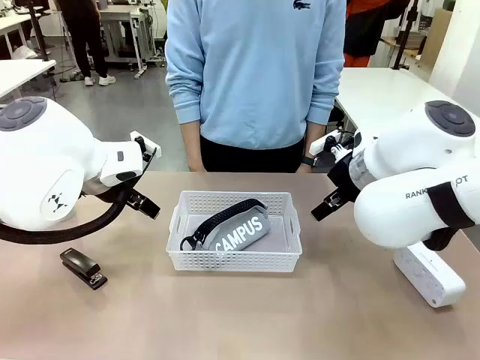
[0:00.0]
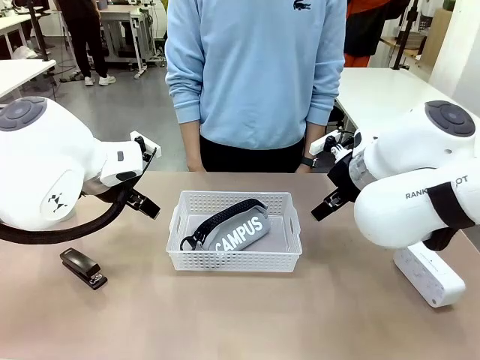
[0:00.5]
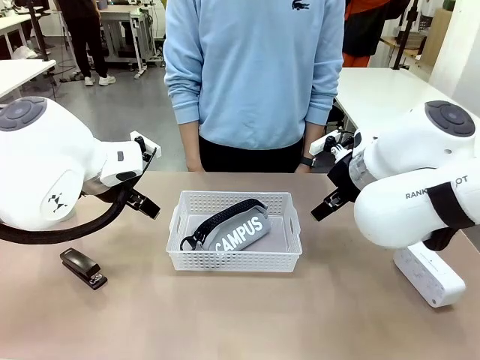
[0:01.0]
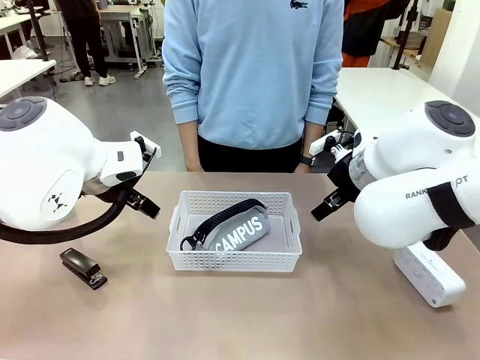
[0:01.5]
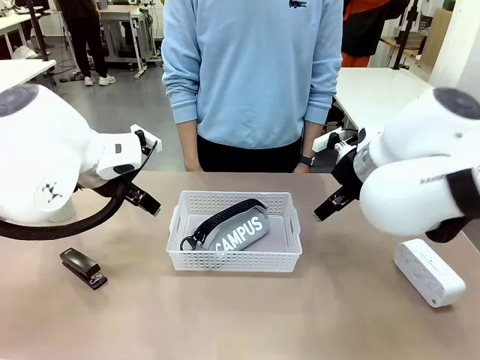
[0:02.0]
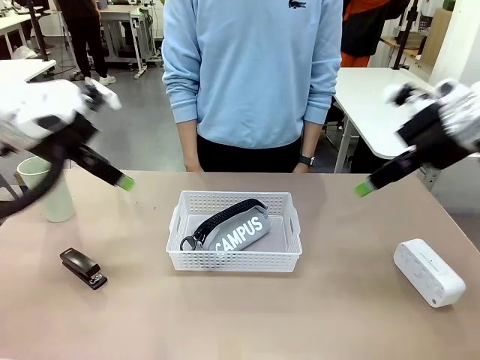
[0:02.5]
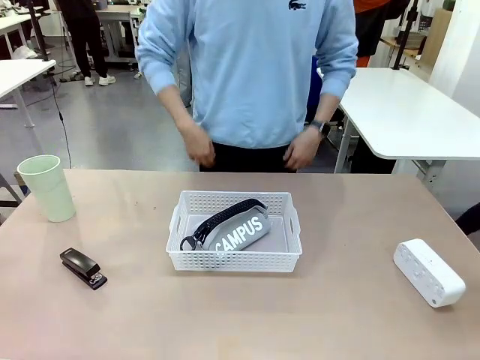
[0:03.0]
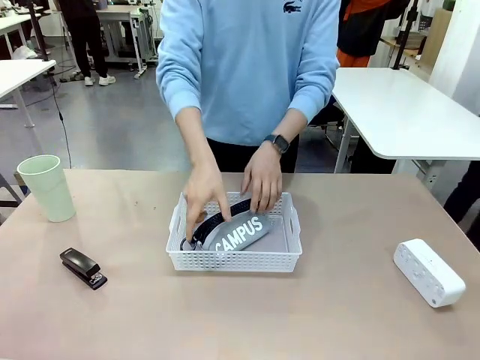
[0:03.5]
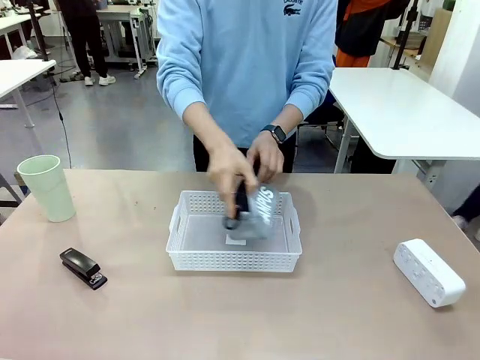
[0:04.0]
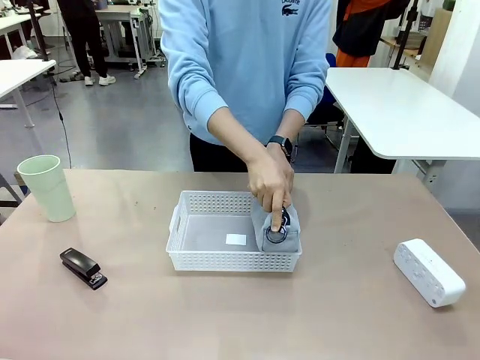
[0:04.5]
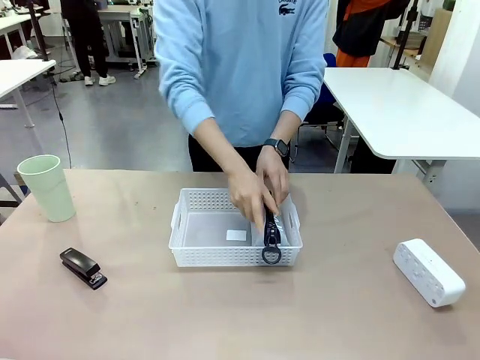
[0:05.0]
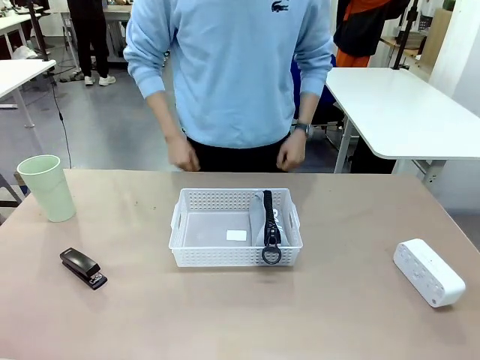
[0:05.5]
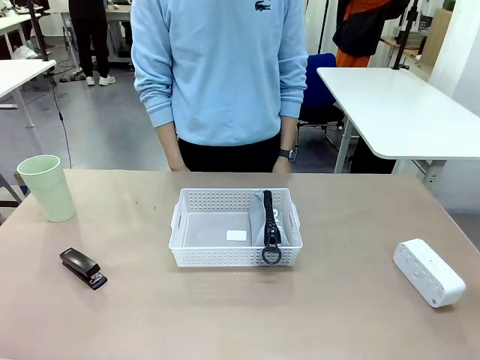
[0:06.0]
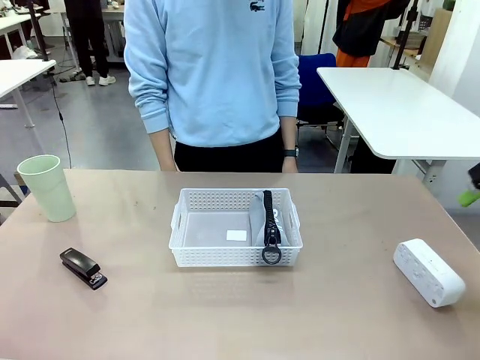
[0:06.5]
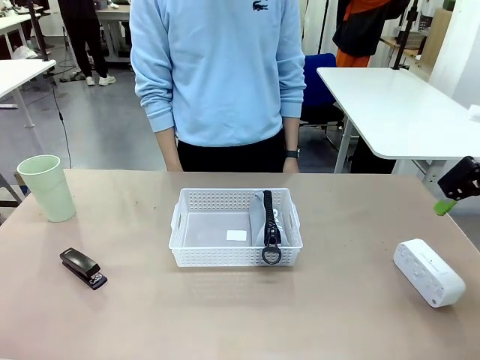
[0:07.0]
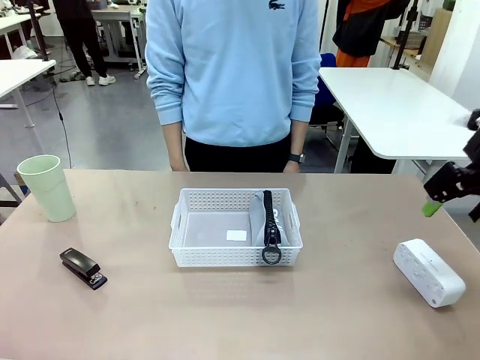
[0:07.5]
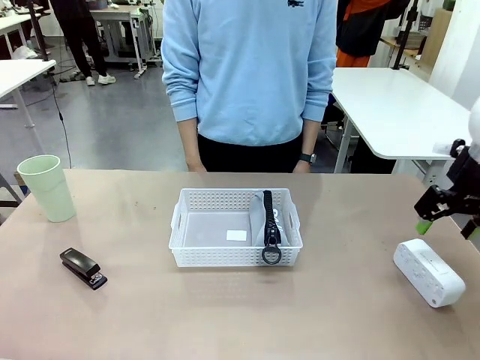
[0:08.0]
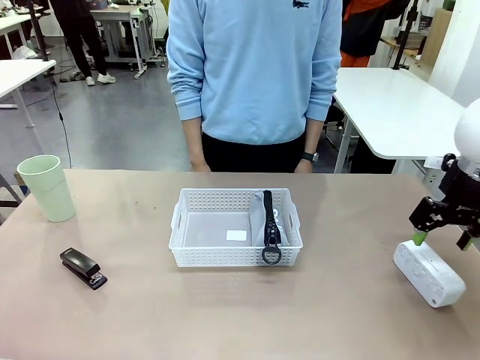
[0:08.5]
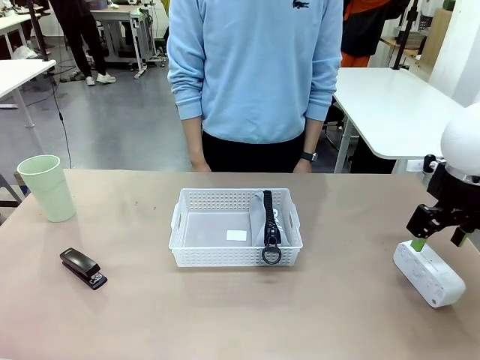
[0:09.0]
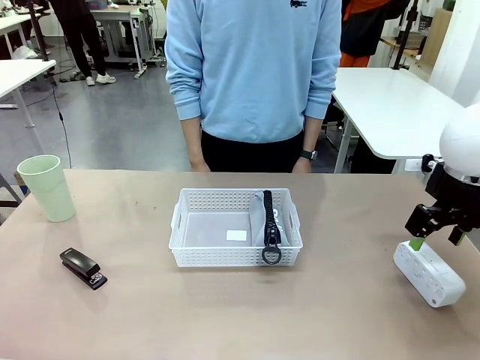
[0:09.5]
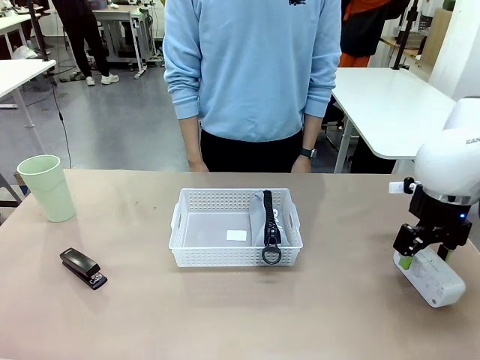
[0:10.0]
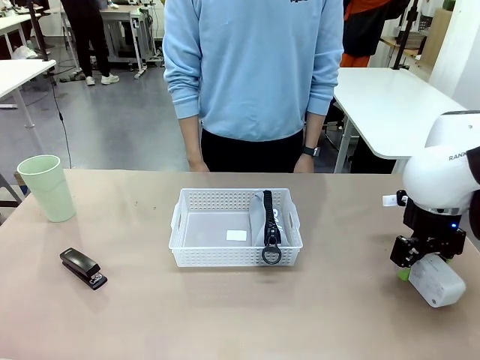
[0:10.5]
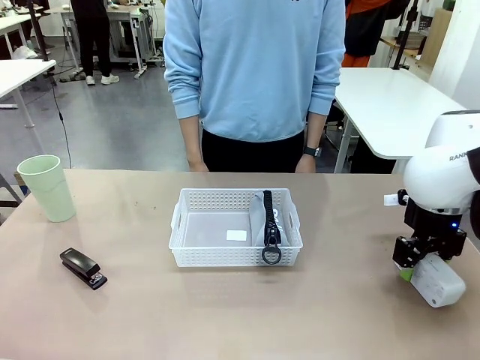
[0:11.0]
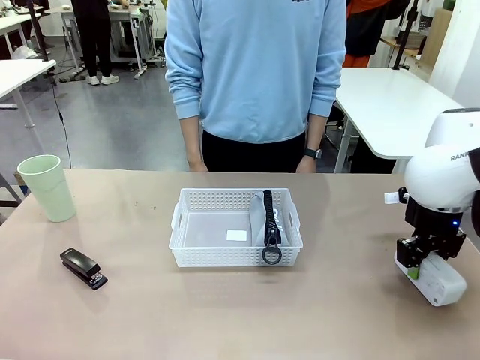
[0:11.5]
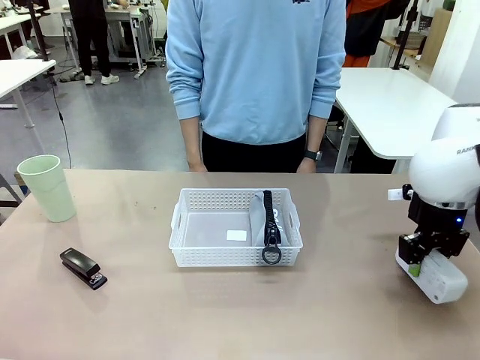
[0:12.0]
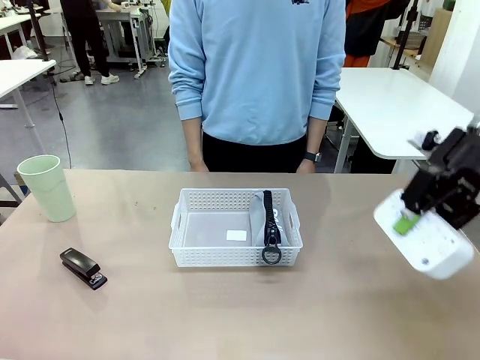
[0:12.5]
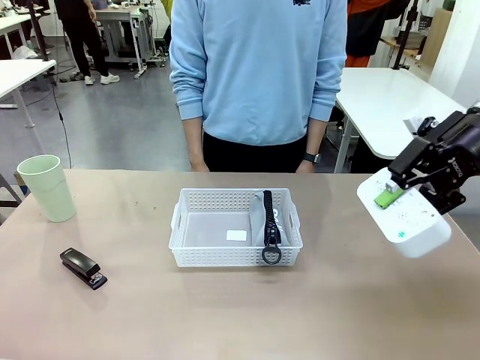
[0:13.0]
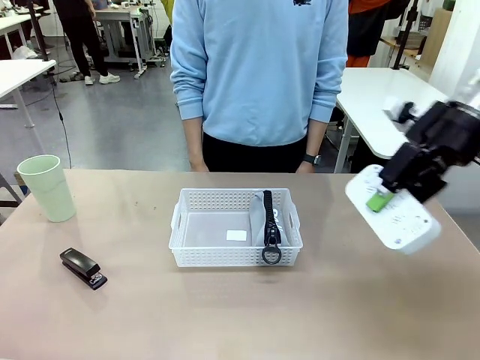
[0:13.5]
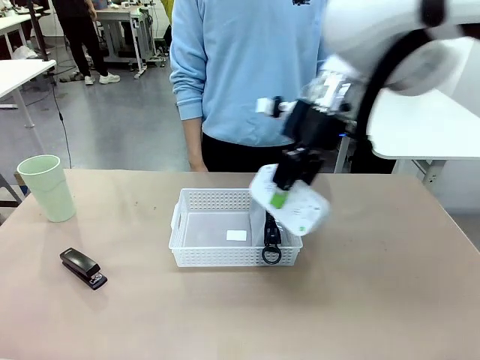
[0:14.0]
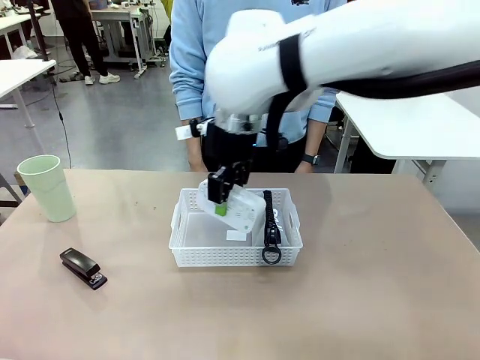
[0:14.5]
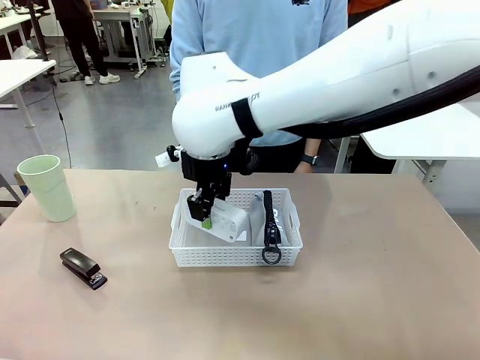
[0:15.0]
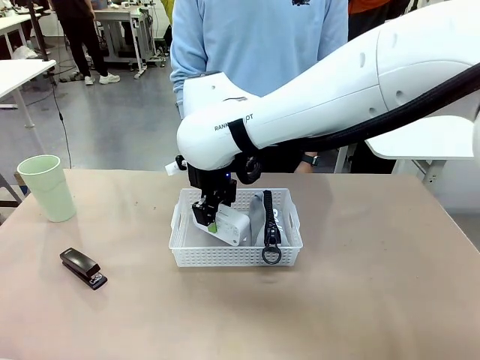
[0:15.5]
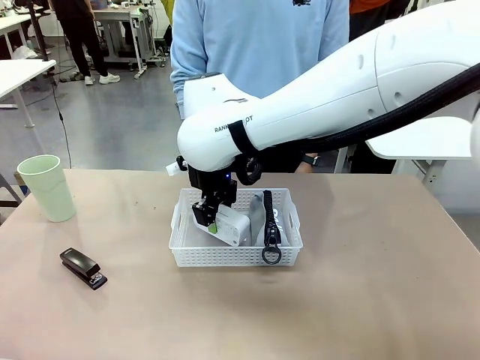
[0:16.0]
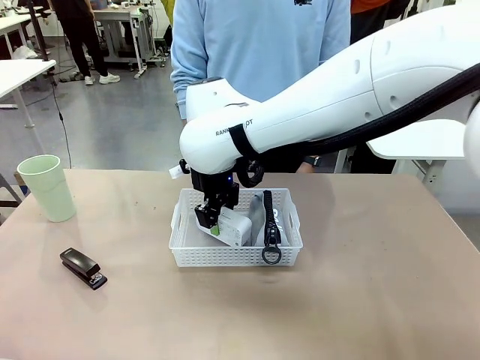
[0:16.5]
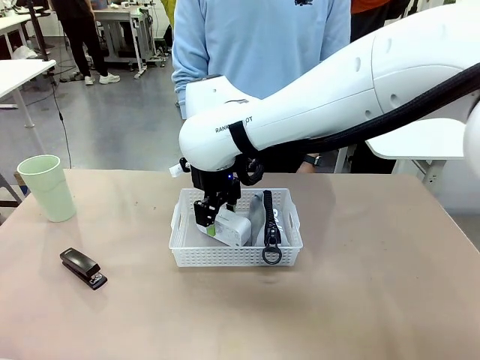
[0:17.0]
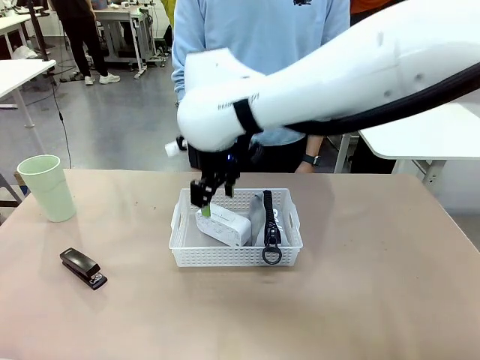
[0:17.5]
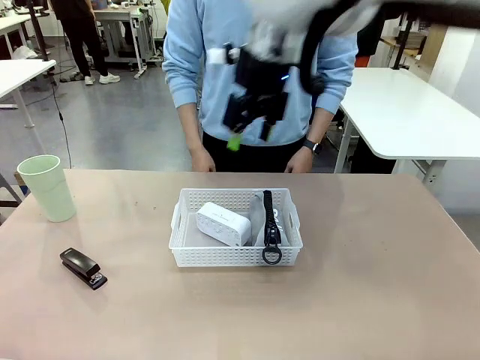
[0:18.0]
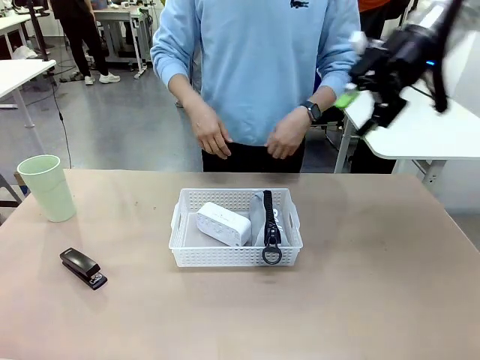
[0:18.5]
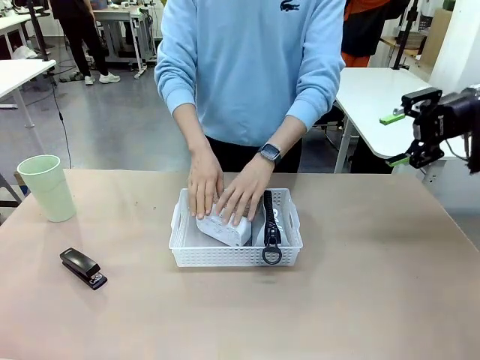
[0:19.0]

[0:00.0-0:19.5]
Task: Efficiently arrange items inside the basket to fit them all.
Robot: Pick up the Digital clock and place it inside the Organizing basket.
Person: Repositions the pencil case. Repositions the digital clock.
